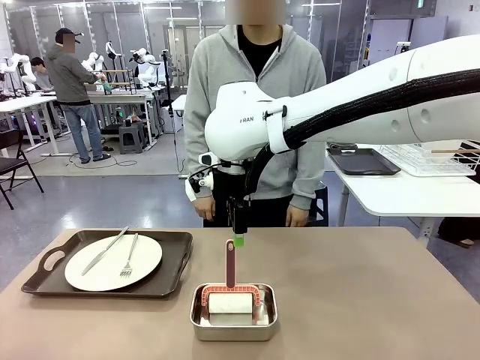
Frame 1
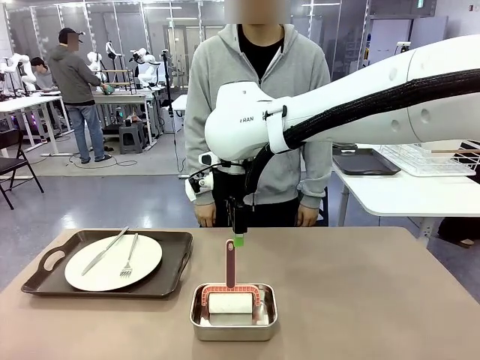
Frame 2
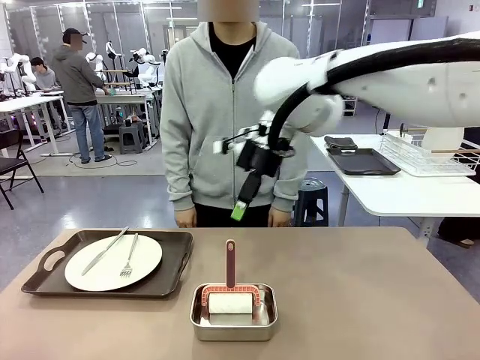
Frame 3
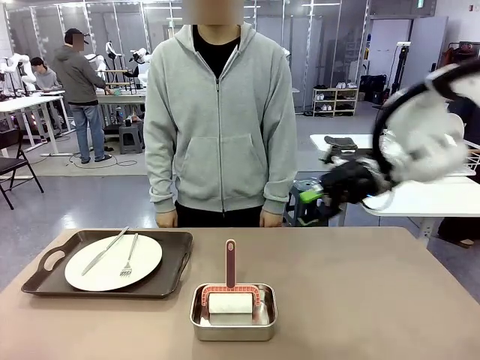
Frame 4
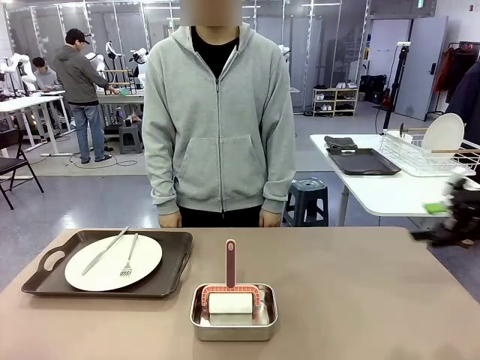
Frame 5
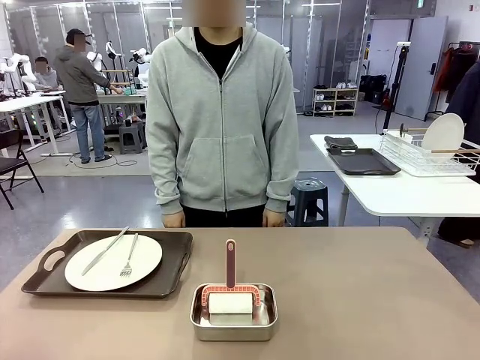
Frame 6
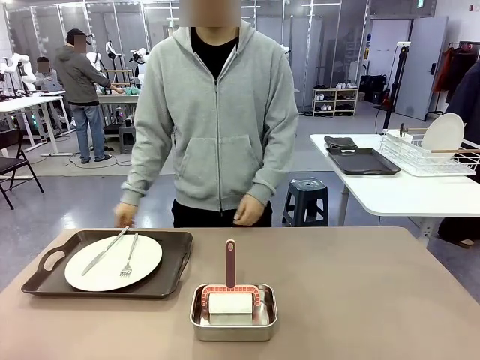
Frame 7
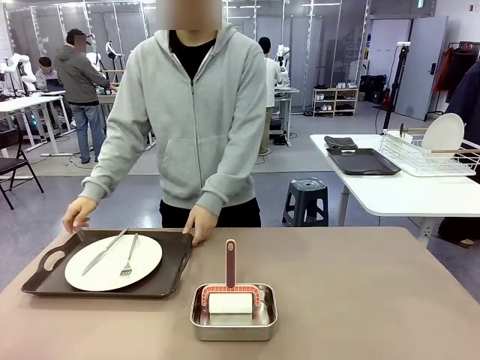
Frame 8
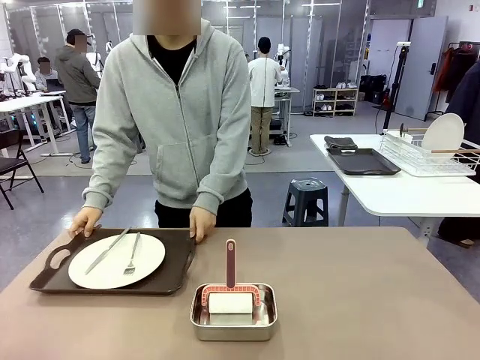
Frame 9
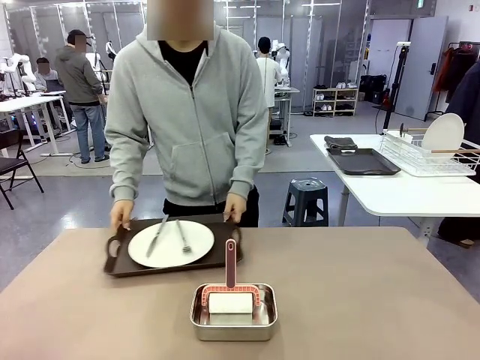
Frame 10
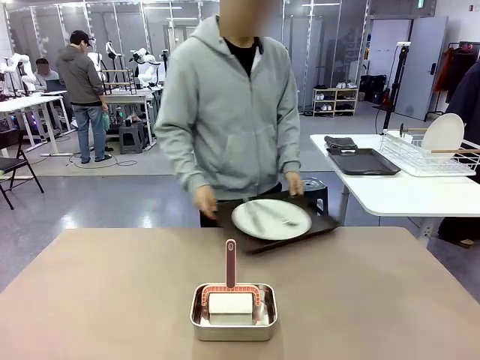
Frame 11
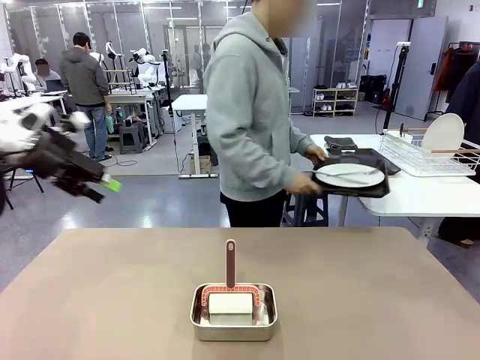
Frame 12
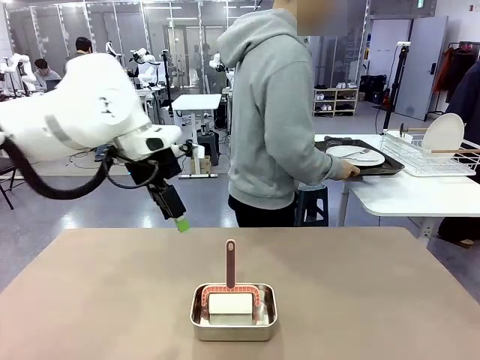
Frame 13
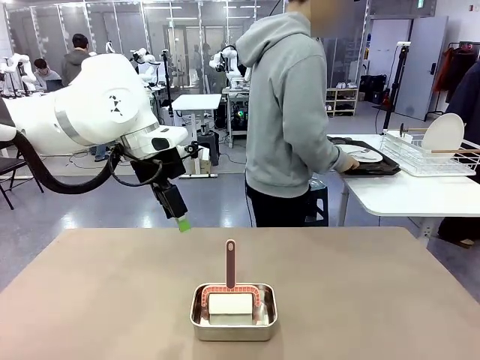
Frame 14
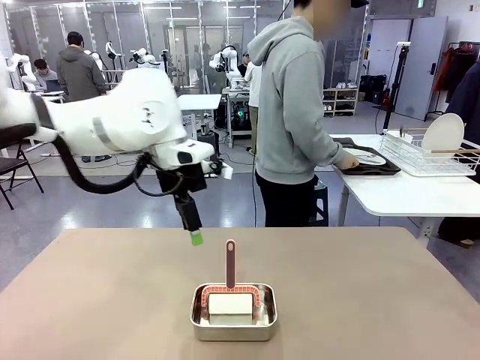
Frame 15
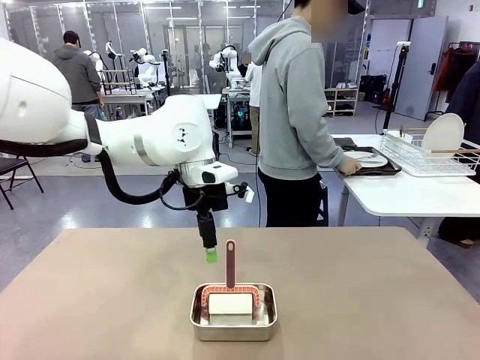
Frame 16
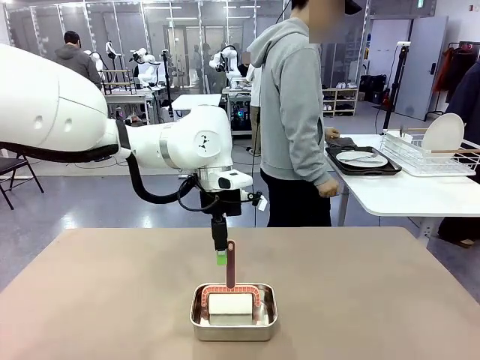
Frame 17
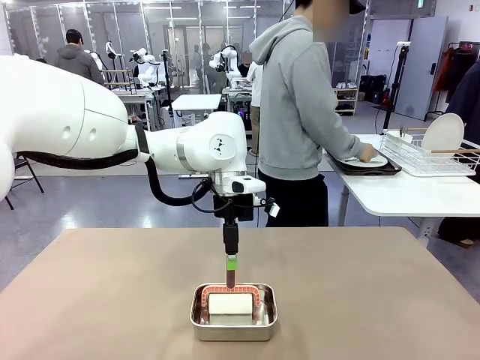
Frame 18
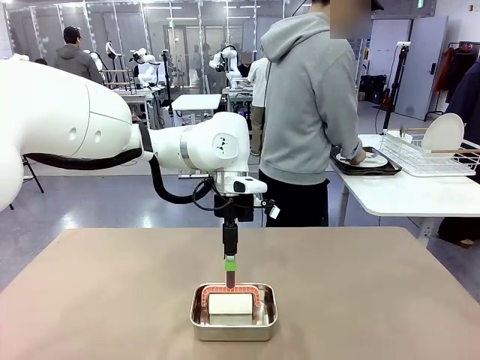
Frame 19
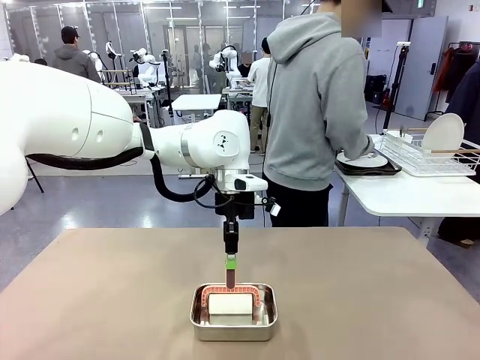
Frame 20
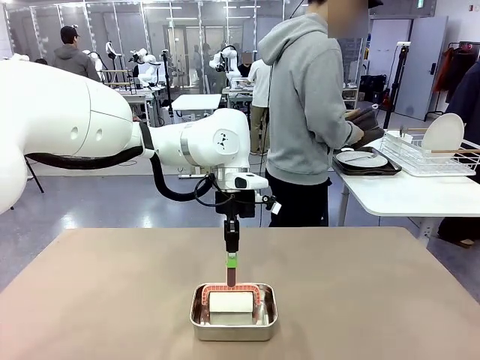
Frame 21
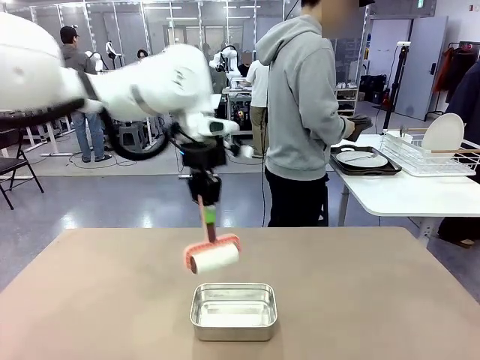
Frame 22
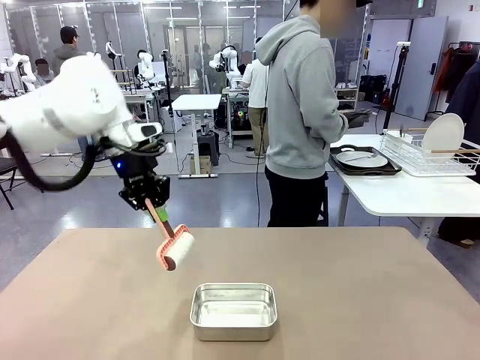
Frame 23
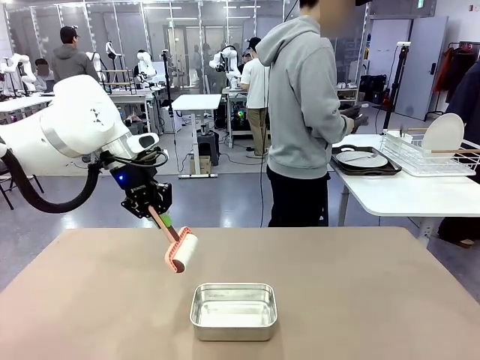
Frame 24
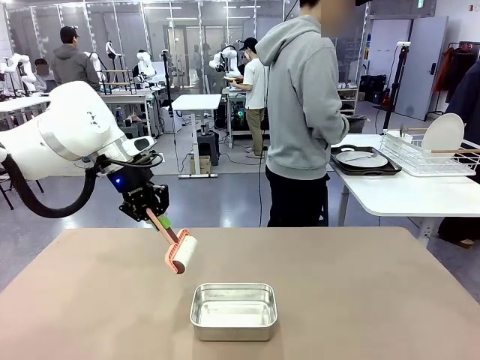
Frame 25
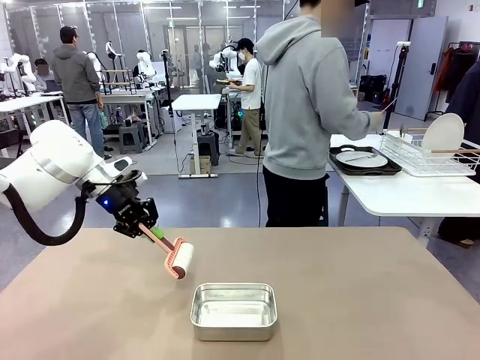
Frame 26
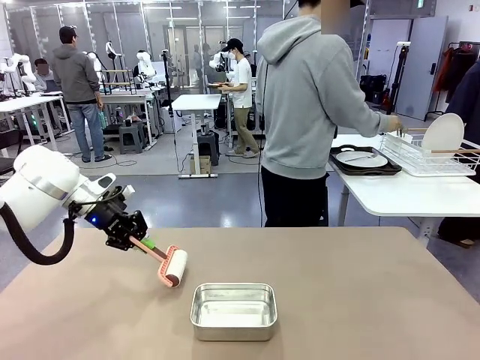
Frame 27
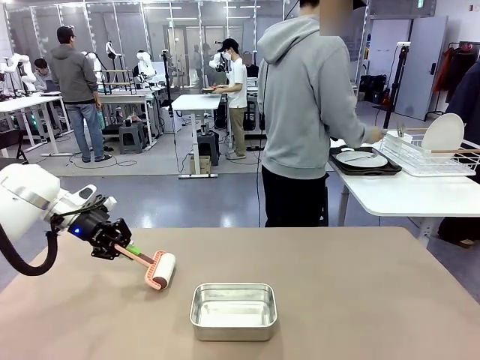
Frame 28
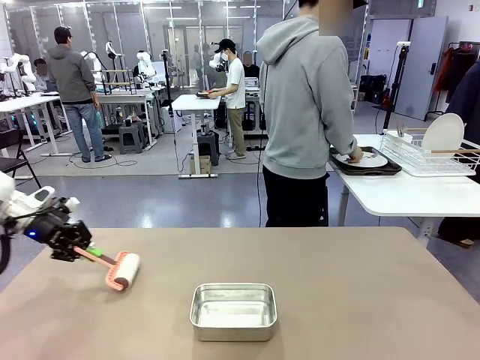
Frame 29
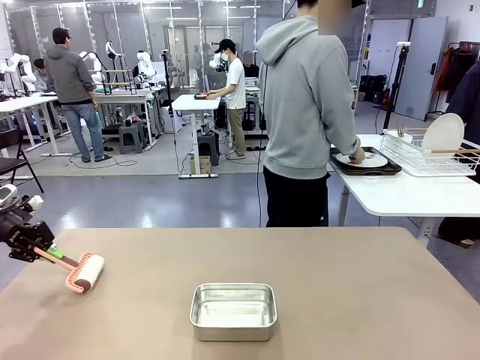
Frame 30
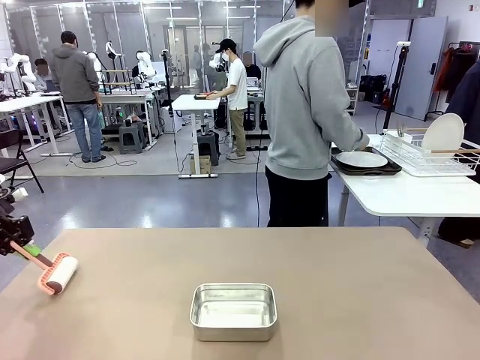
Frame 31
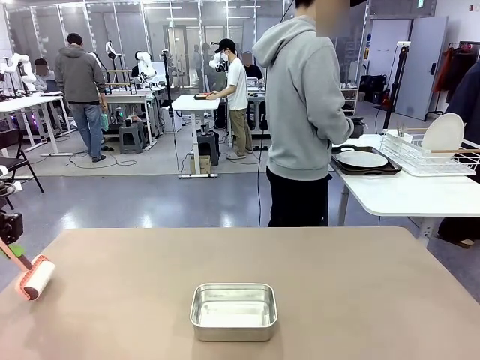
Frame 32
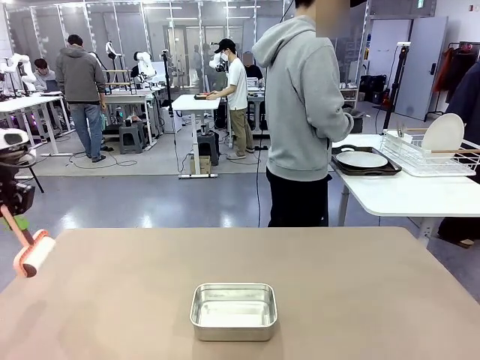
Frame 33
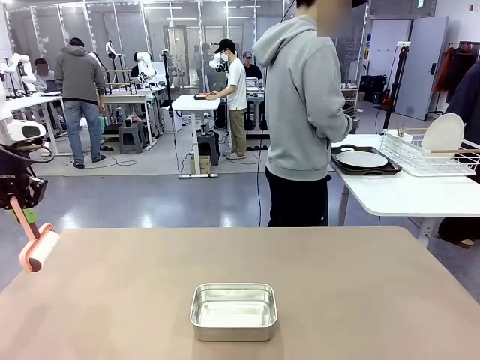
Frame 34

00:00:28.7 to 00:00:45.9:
Robot: When the right (or left) Handle tray is removed, use the right hand (or left hand) to clean the right (or left) side of the table with the Lint Roller.
Person: Pick up the left (or right) Handle tray and place it on the Handle tray.

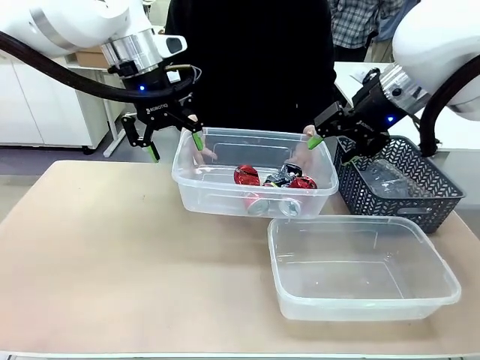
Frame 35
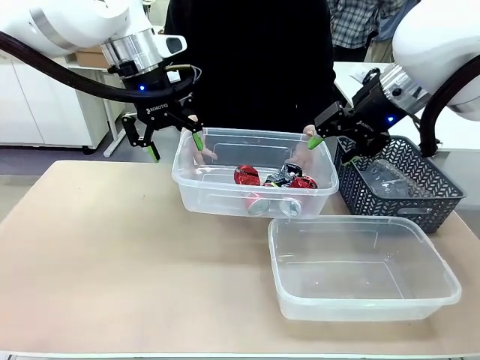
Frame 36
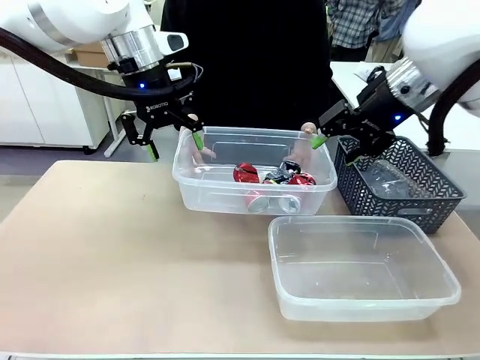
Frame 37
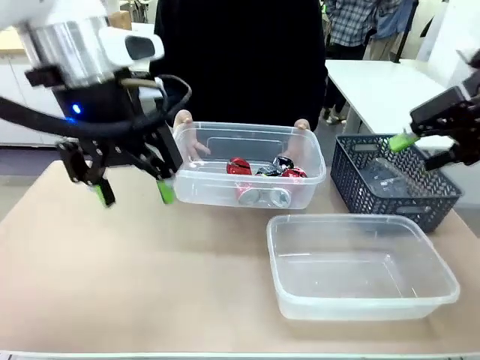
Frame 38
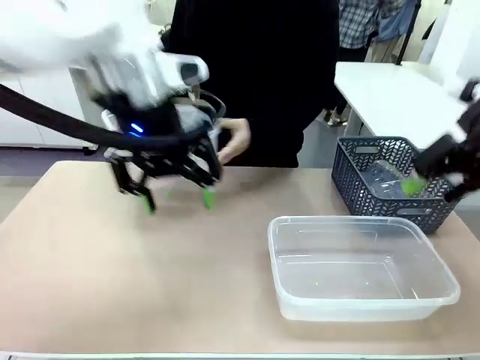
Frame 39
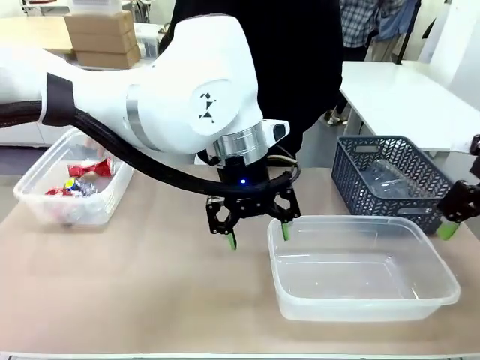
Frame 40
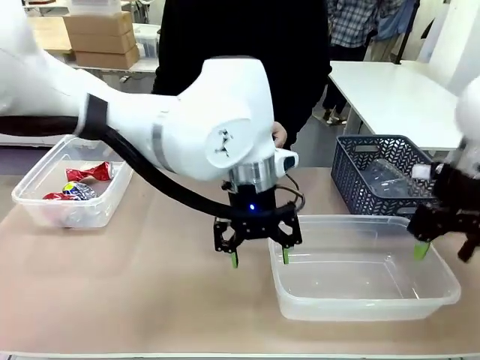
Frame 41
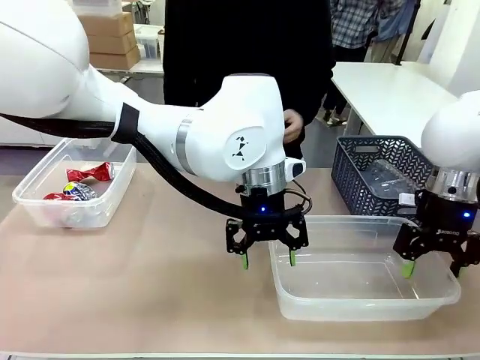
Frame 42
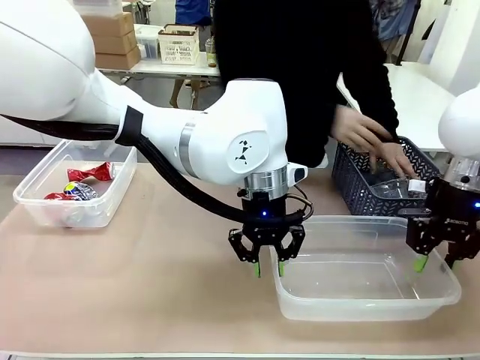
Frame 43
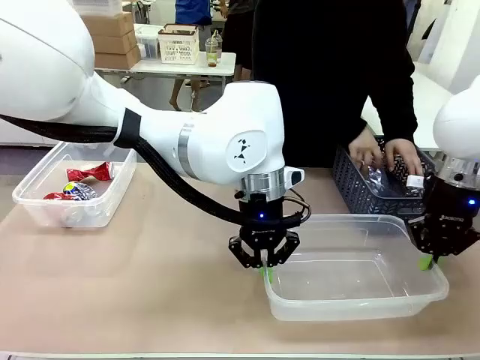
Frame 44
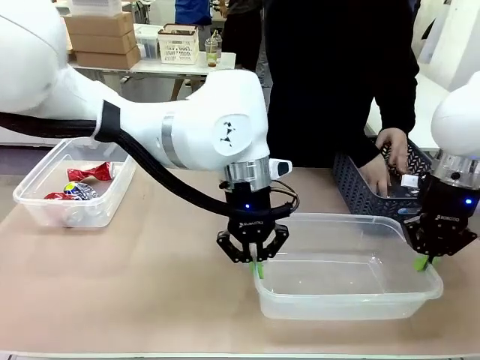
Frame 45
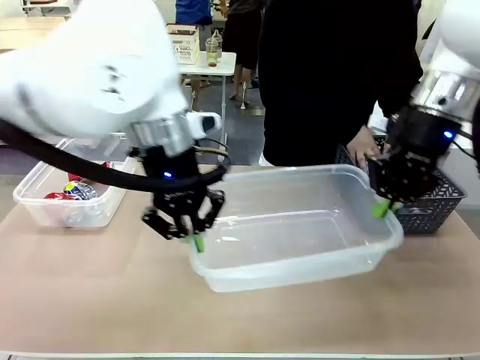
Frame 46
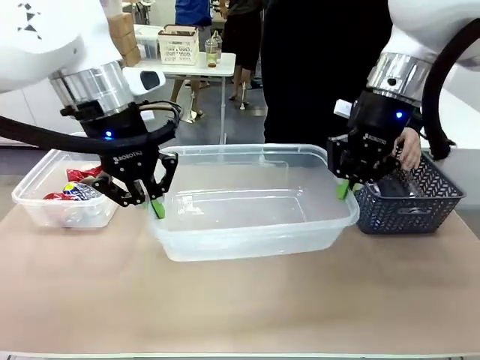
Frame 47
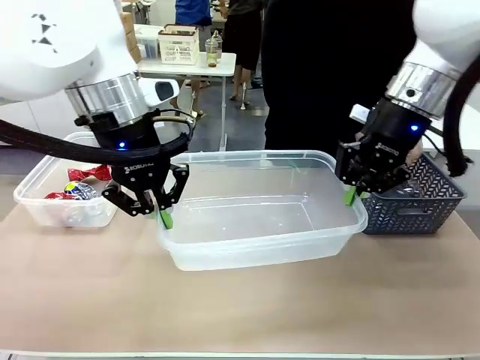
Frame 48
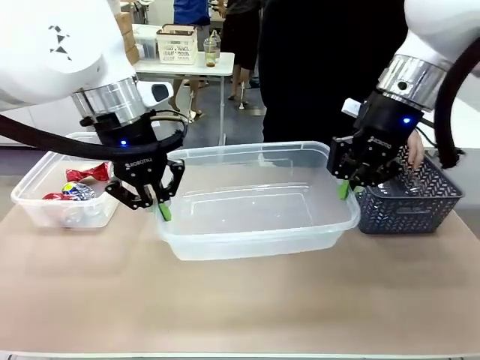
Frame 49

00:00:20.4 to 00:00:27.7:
Robot: Pick up the Organizing box on the right side of the table and lift it.
Person: Place it at the edge of the bottom right area of the robot table.
